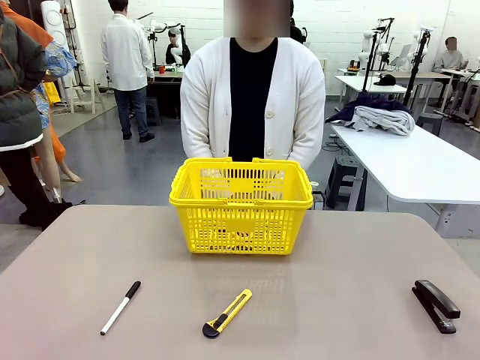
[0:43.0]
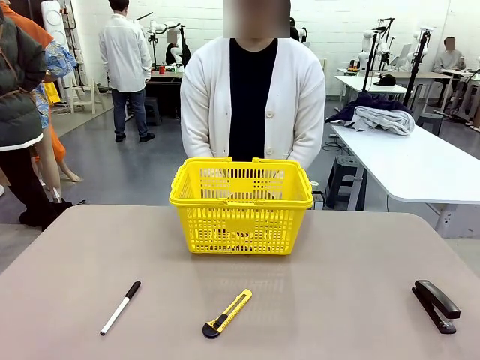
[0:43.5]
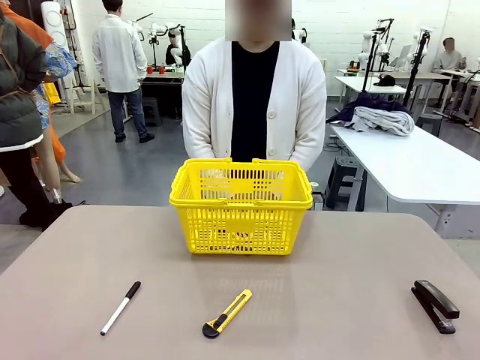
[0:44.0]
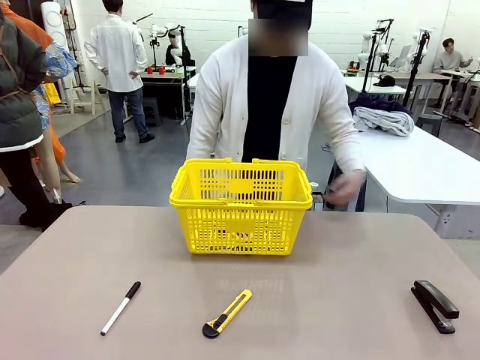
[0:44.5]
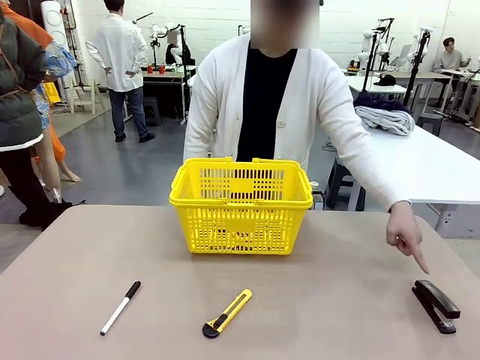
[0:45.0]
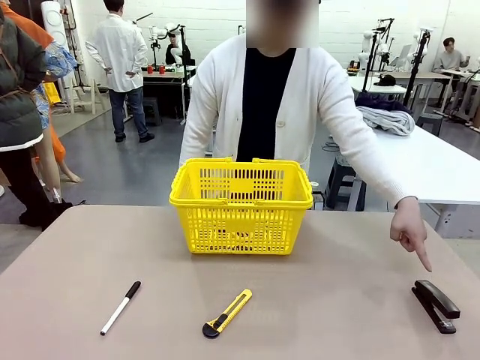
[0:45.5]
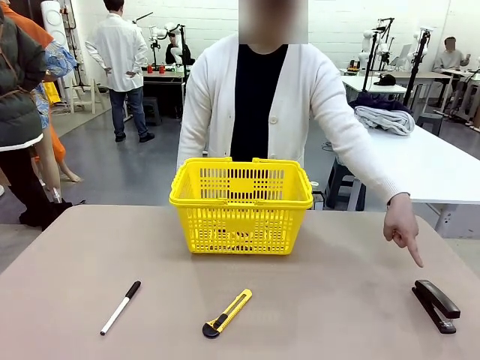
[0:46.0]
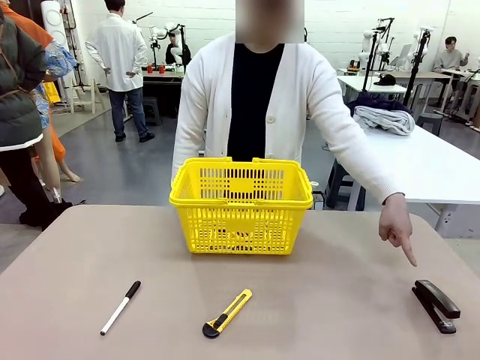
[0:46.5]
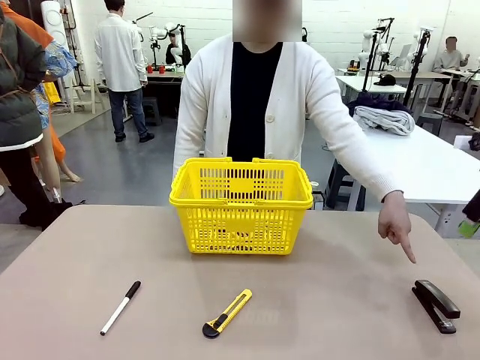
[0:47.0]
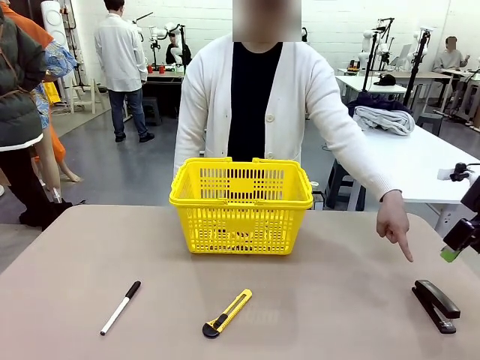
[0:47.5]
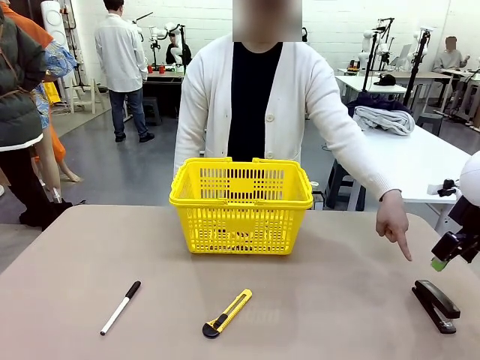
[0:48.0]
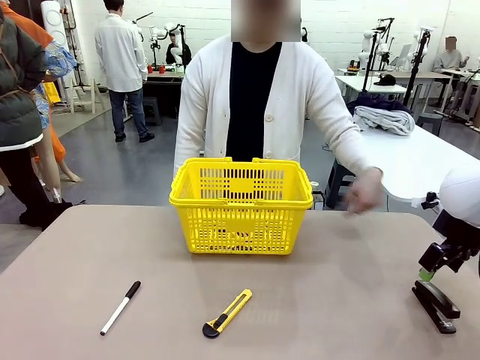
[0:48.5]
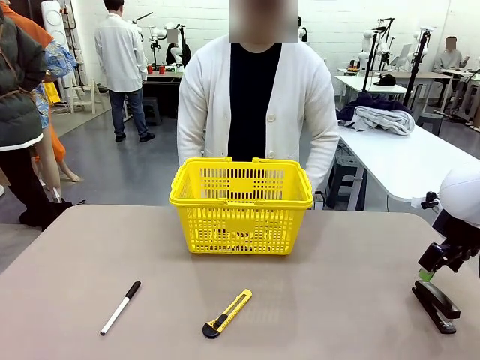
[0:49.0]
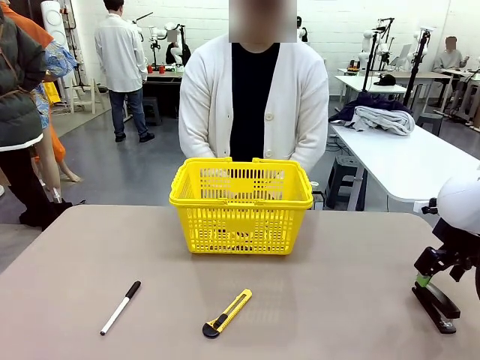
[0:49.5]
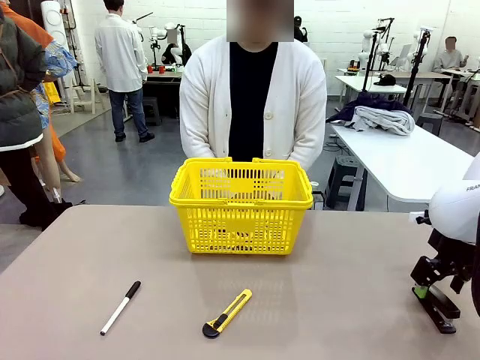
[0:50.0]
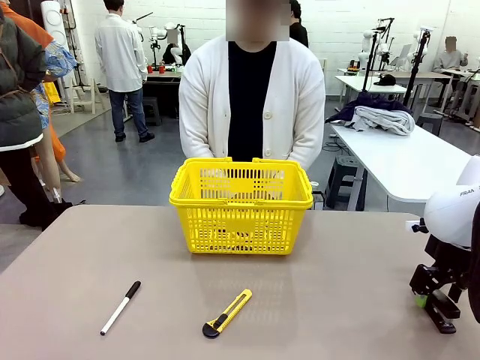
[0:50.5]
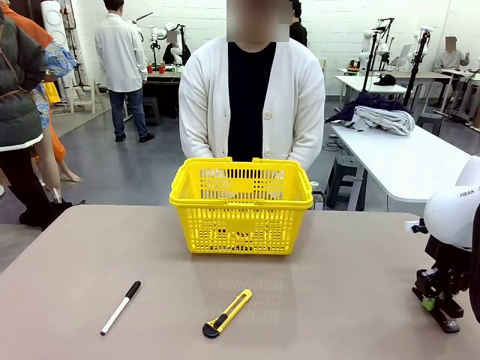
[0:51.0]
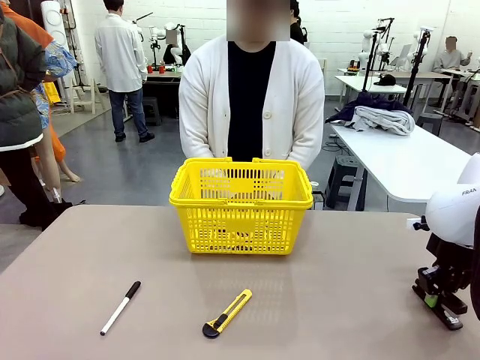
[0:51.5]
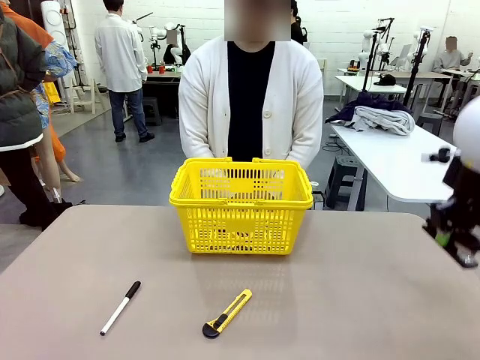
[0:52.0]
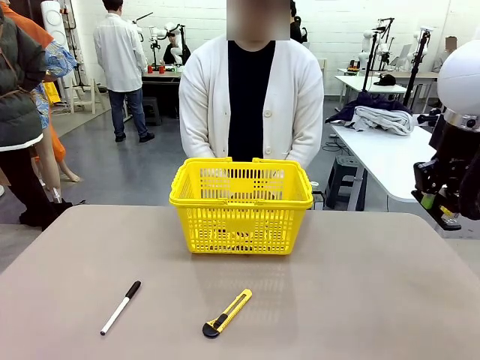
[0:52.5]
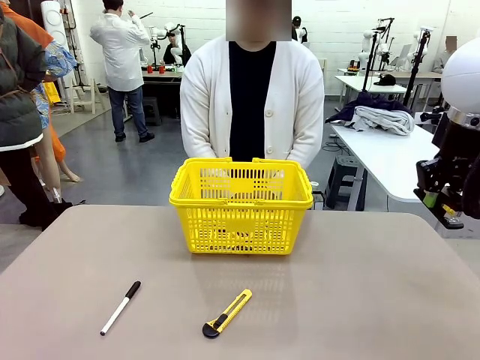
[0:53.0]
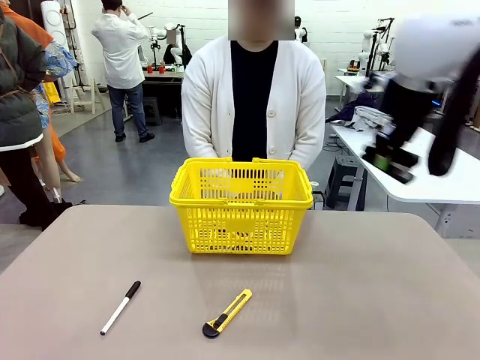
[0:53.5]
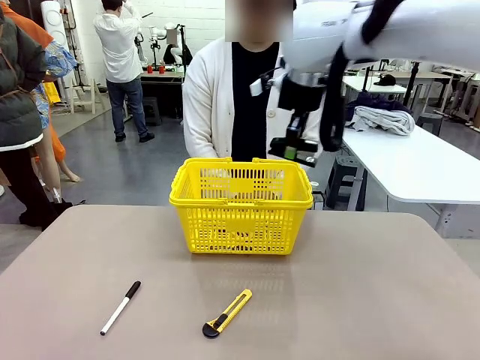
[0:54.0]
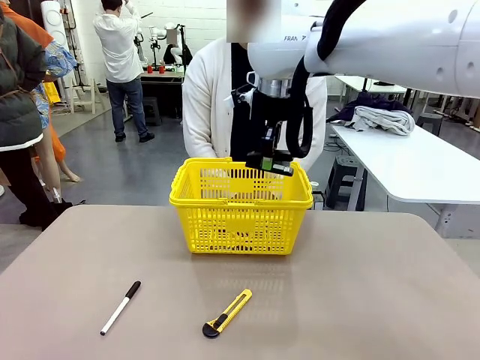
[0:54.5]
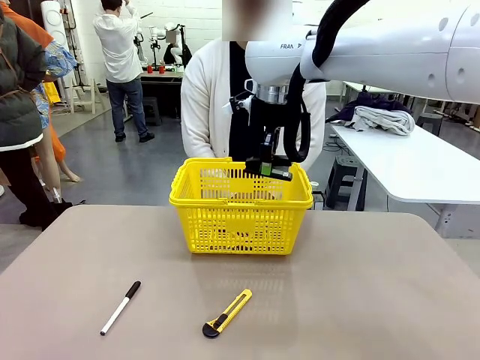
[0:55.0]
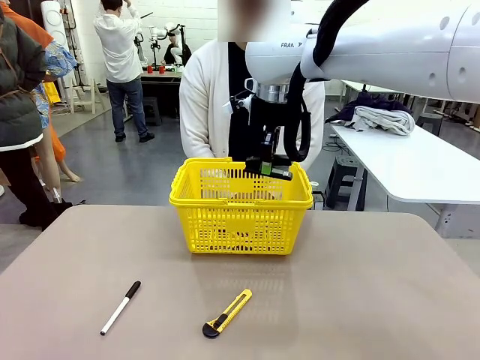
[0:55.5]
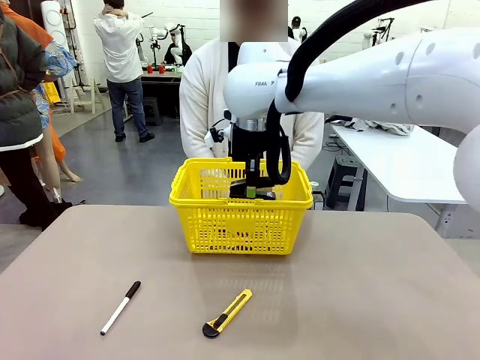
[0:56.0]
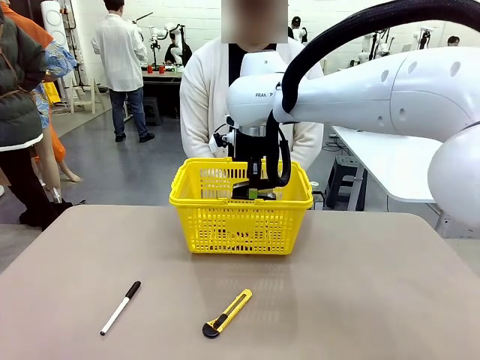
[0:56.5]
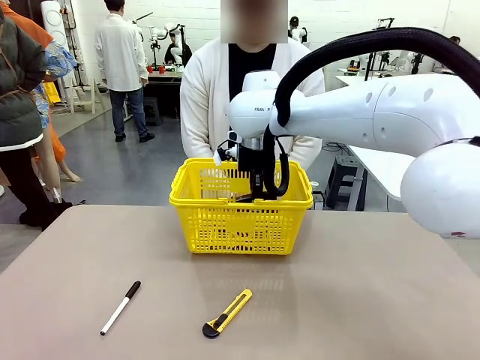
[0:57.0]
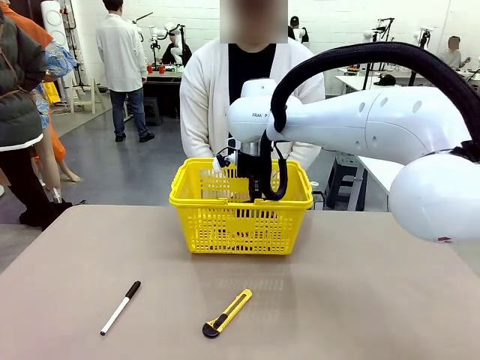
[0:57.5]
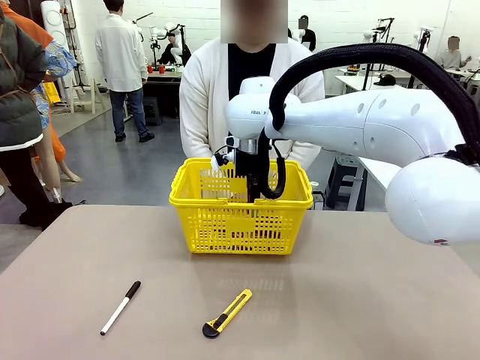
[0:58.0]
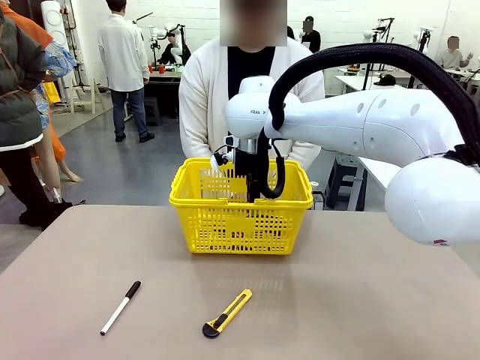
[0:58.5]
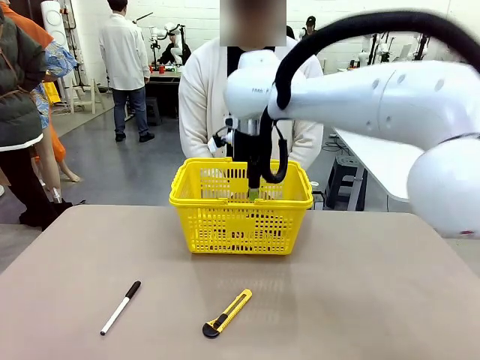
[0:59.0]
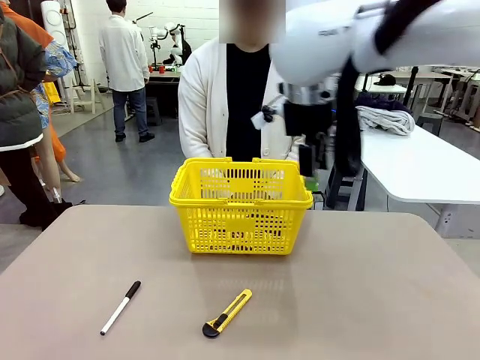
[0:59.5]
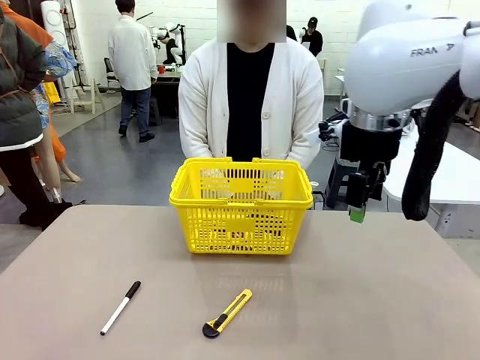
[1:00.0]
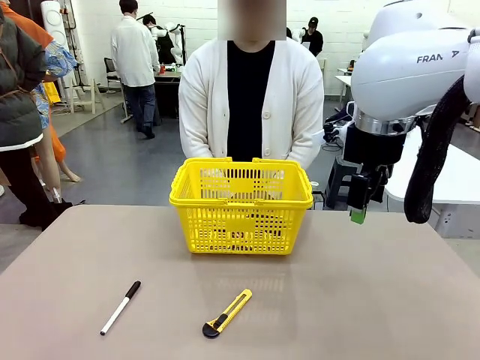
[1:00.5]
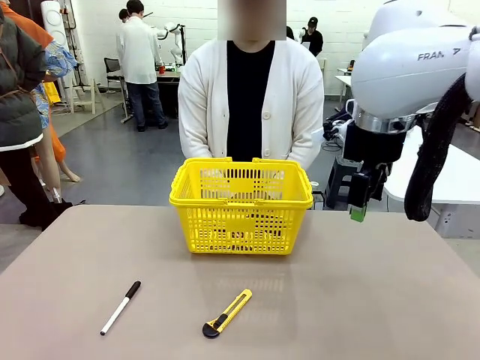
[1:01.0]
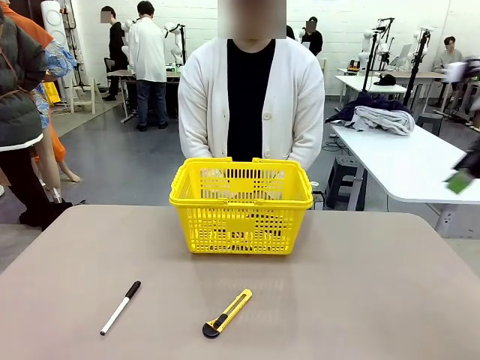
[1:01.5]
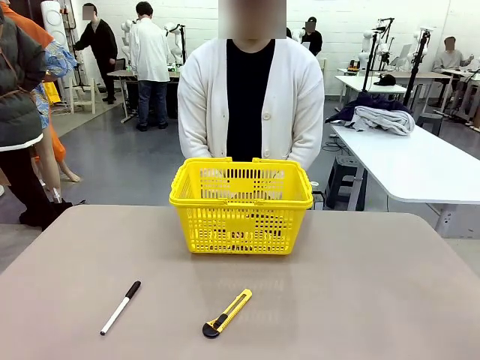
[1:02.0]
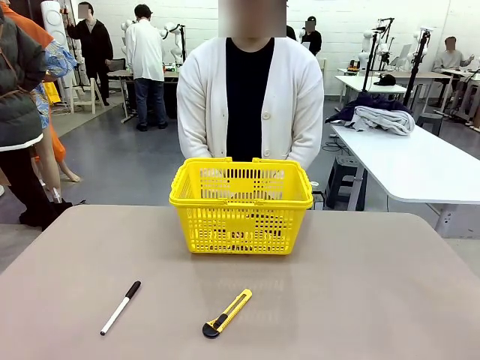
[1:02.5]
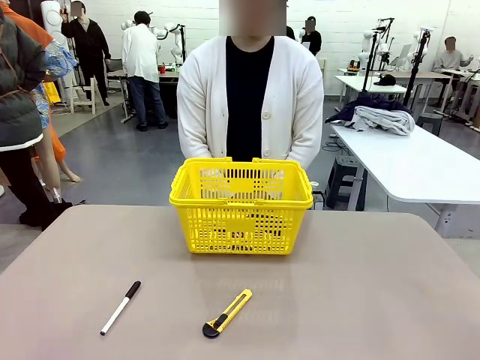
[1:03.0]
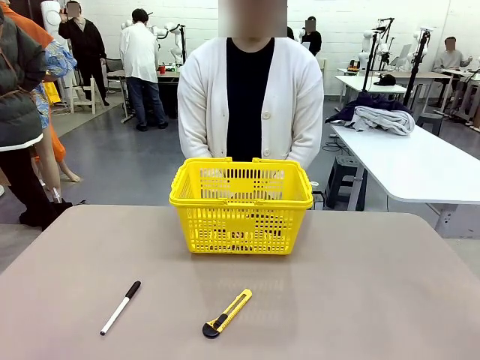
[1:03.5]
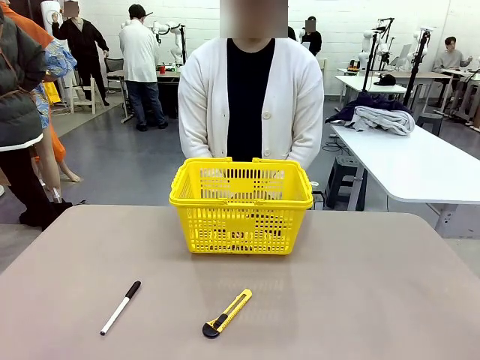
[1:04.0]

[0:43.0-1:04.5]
Task: Place the items the person wants into the basket.
Robot: Pick up the item the person points to and place it in the Market Basket.

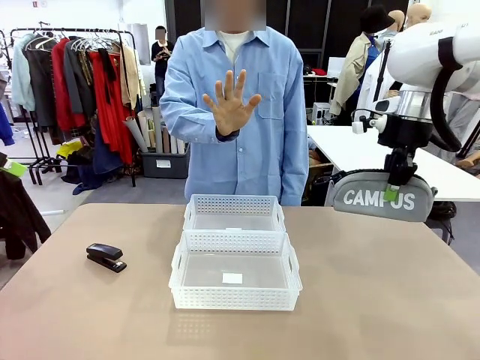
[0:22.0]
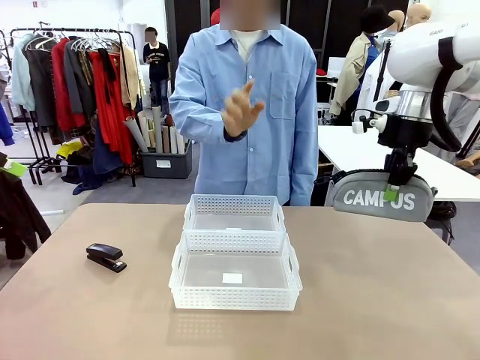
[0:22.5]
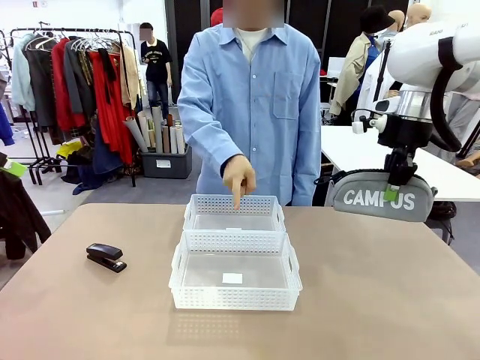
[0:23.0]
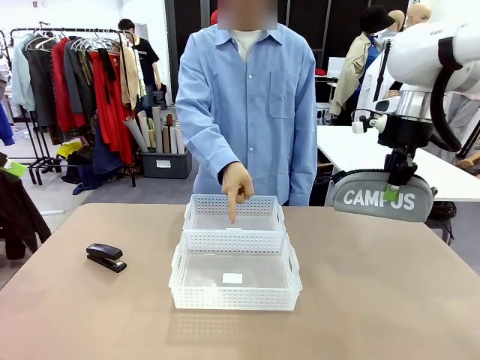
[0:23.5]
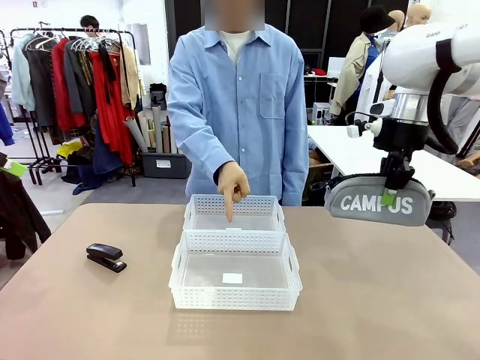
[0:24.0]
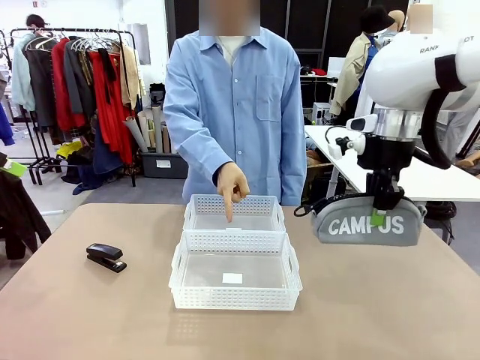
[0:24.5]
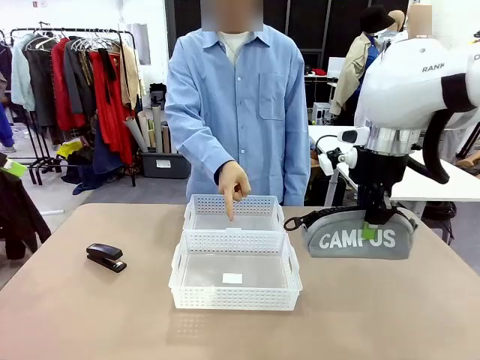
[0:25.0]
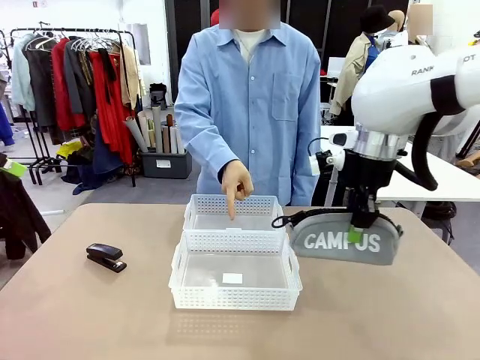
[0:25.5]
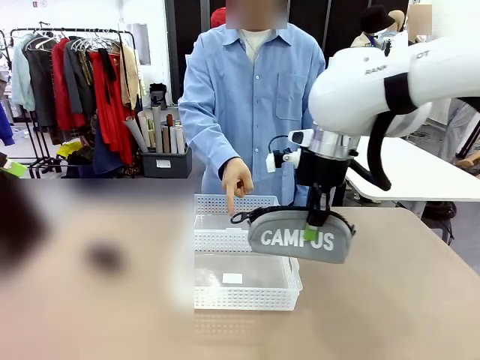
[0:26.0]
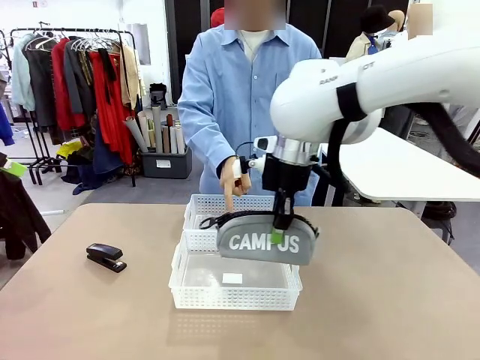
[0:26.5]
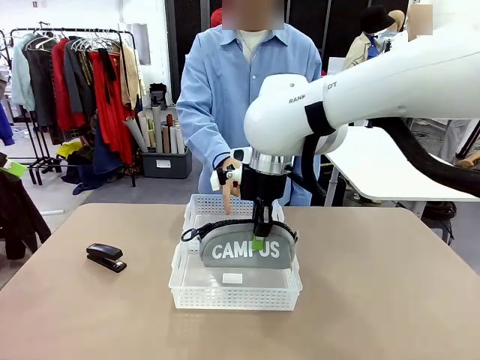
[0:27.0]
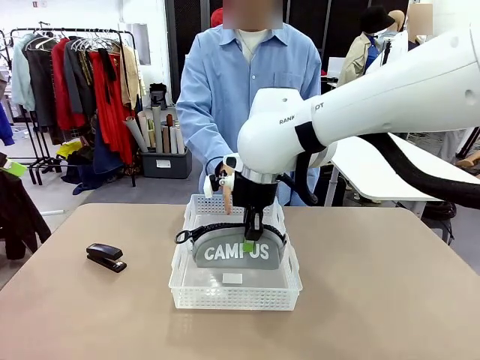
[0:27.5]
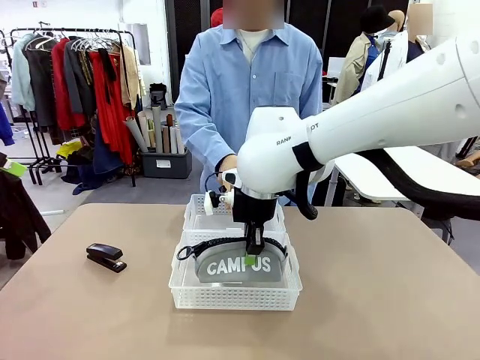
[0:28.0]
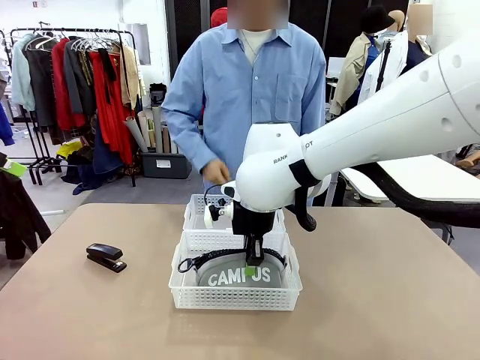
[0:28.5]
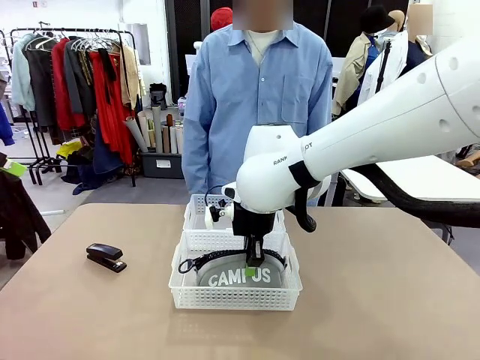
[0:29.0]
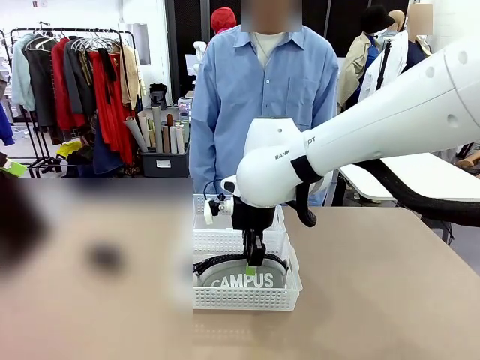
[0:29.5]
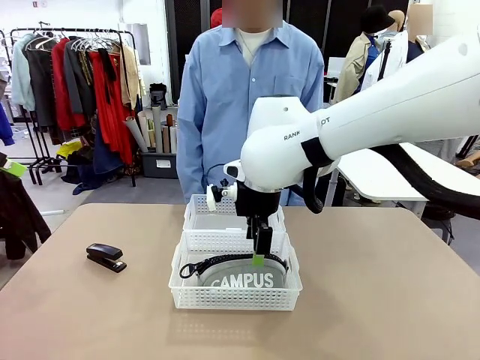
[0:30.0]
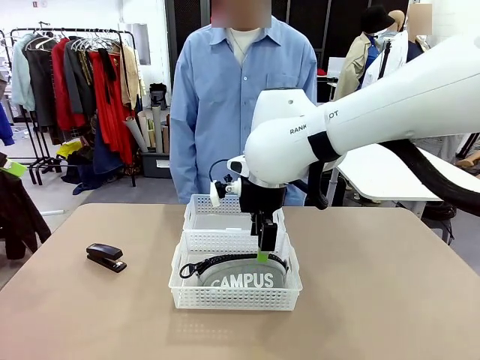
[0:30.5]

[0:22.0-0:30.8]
Task: Distribute items into two baskets.
Robot: Place the picked Pencil pouch into the Organizing basket as instructed by the person.
Person: Instructs the robot to place the pencil case into the opposite basket. Points to the stapler.
